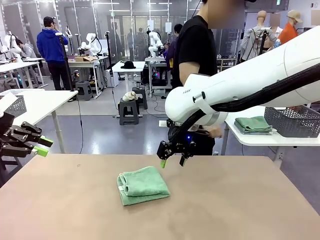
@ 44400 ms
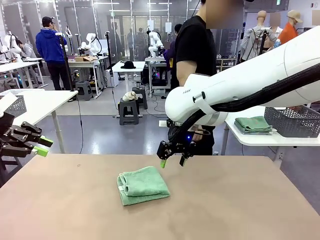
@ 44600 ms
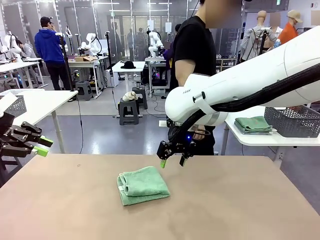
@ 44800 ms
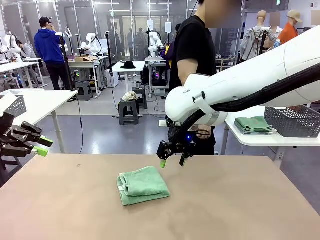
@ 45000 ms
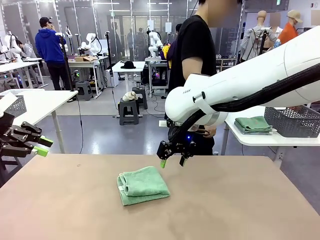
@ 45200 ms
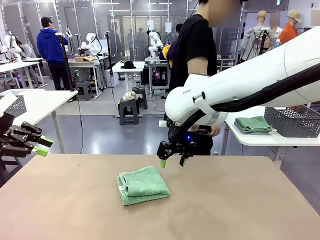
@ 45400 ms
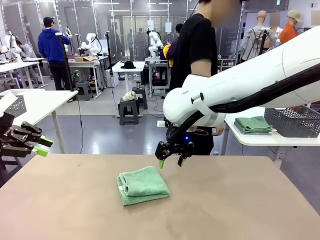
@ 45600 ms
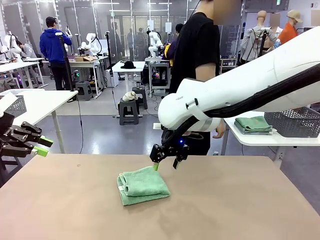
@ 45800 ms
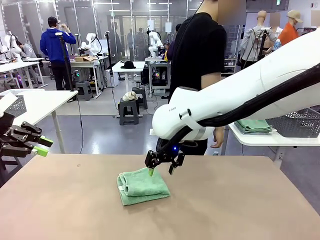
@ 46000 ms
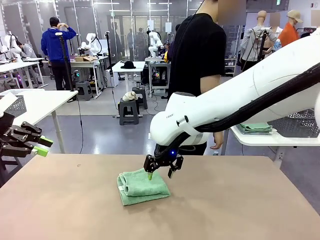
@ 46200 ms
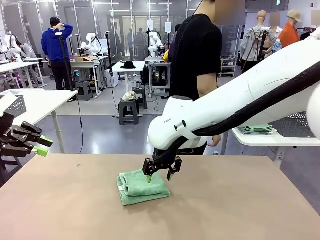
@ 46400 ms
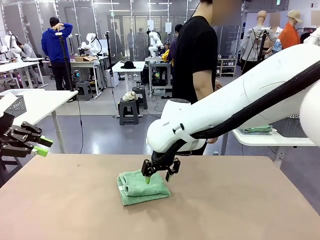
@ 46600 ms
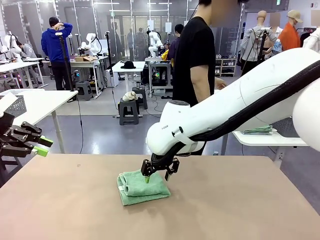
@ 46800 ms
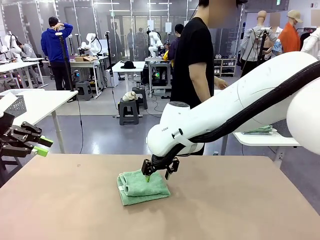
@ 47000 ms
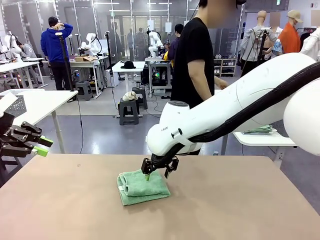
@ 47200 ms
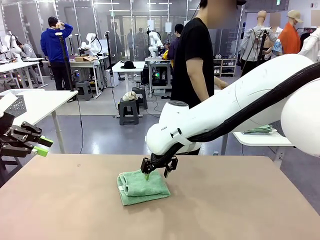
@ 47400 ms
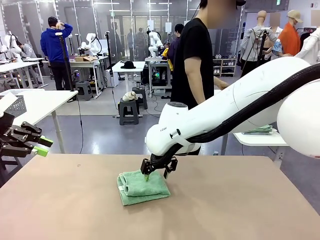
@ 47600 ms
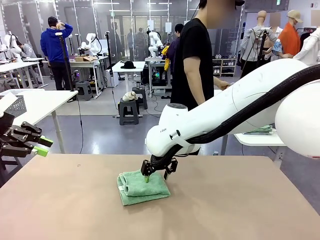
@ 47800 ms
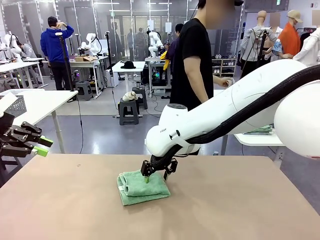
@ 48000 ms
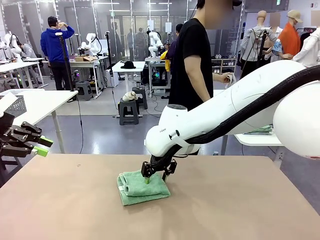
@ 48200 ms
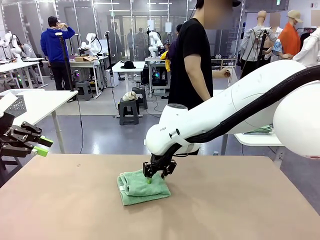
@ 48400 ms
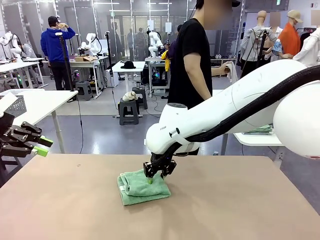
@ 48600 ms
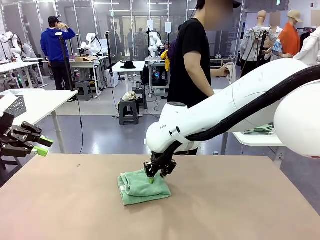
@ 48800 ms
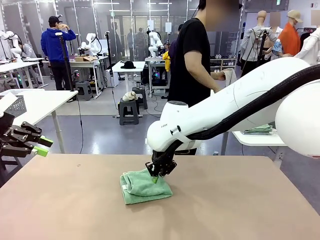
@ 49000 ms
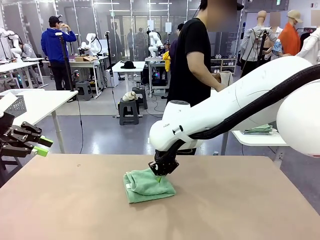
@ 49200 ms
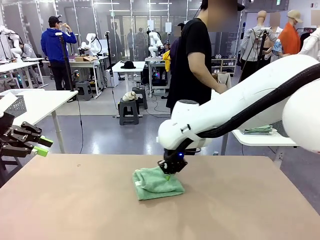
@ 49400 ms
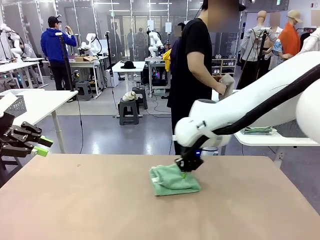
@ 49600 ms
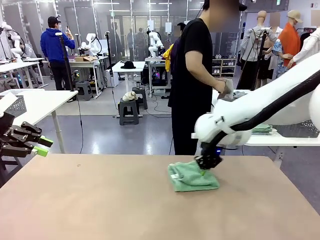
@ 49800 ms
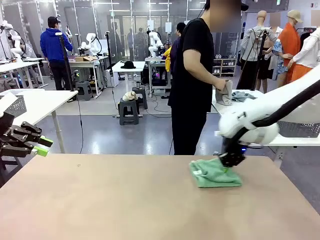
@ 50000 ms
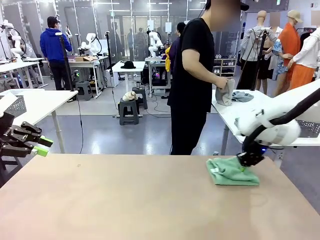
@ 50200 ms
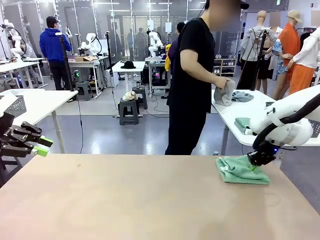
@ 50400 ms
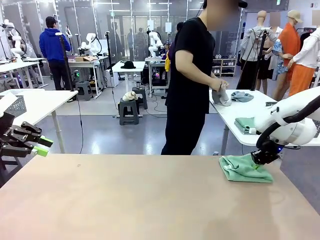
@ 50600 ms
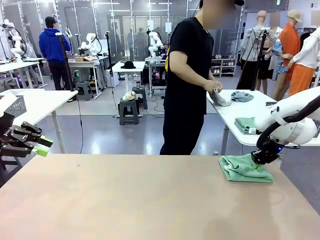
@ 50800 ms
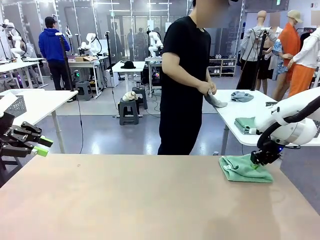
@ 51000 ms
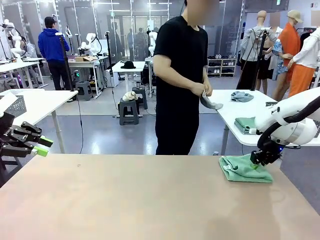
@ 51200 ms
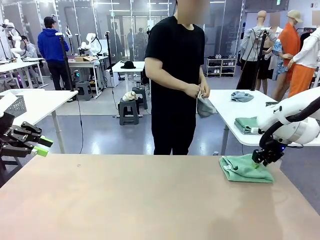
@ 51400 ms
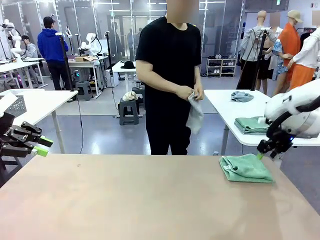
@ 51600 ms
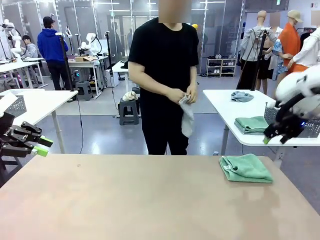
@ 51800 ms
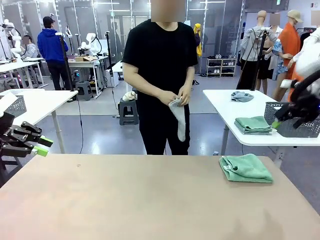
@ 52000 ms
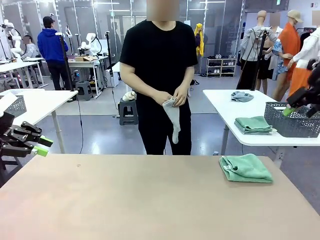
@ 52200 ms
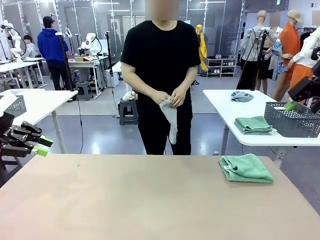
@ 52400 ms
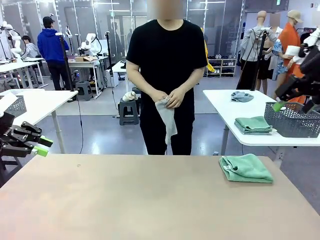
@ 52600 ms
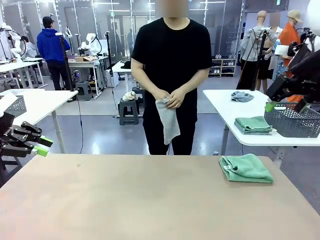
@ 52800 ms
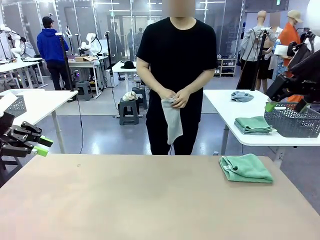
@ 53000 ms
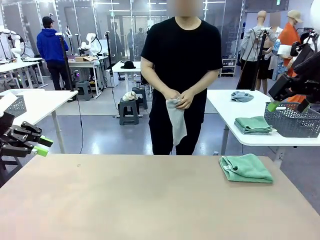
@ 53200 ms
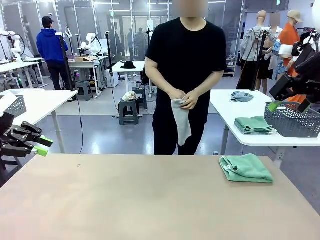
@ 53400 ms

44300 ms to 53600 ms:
Task: Fold the towels and place them in the basket.
Robot: Place the folded Towel with hook on the right side of the table.
Person: Pick up one towel from the left side of the human table and spread it out at the center of the robot table.

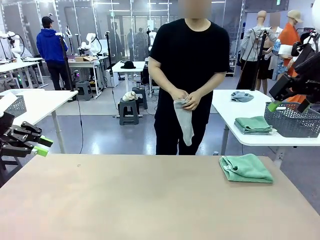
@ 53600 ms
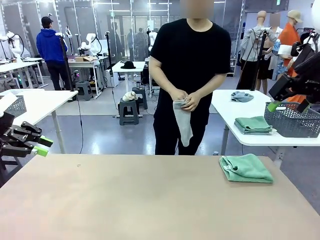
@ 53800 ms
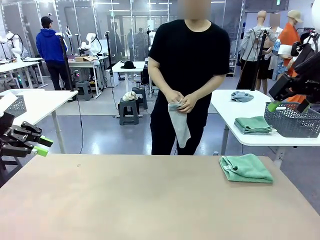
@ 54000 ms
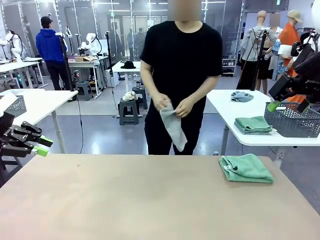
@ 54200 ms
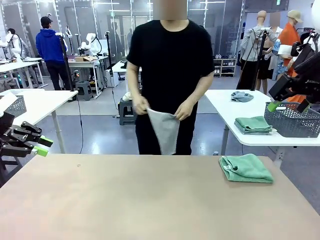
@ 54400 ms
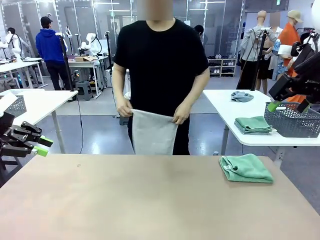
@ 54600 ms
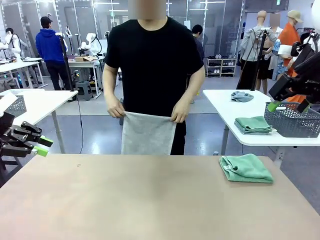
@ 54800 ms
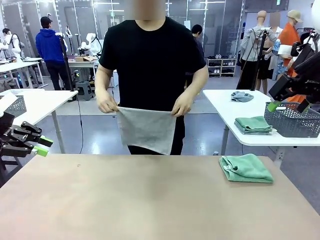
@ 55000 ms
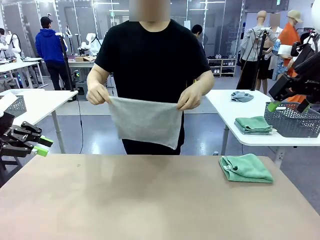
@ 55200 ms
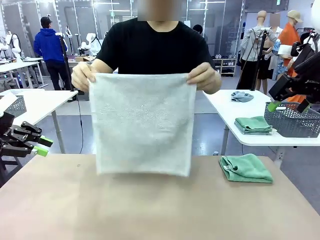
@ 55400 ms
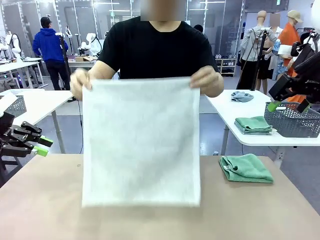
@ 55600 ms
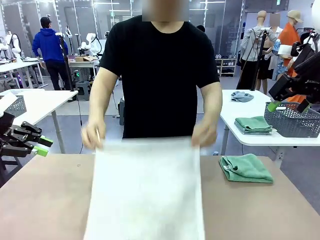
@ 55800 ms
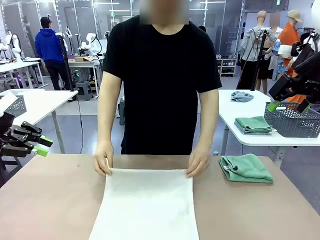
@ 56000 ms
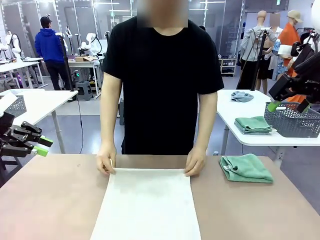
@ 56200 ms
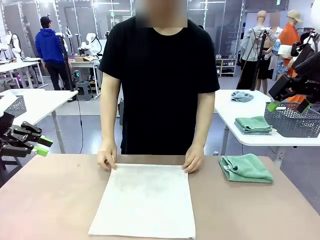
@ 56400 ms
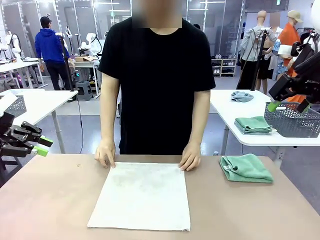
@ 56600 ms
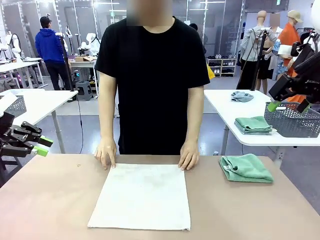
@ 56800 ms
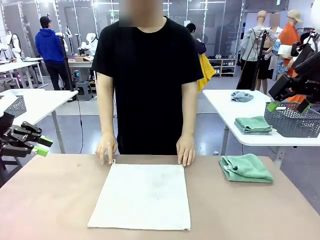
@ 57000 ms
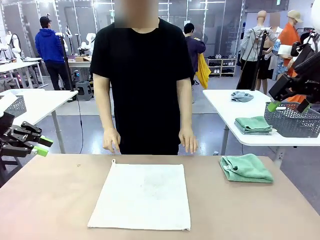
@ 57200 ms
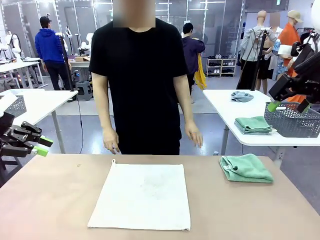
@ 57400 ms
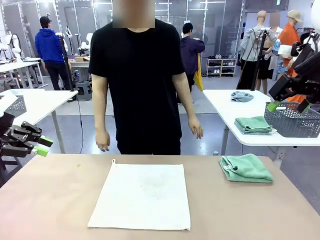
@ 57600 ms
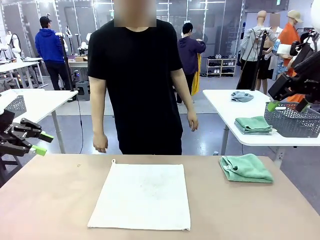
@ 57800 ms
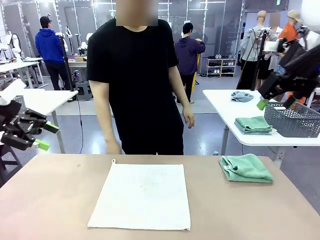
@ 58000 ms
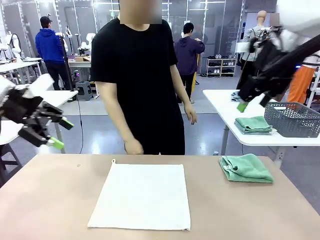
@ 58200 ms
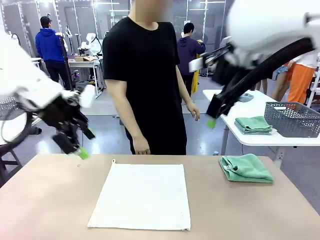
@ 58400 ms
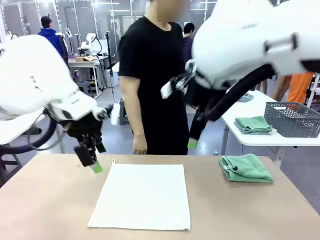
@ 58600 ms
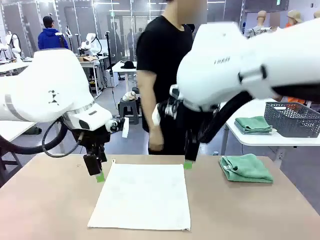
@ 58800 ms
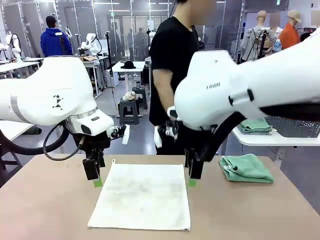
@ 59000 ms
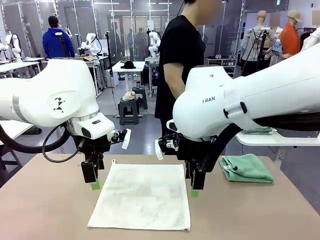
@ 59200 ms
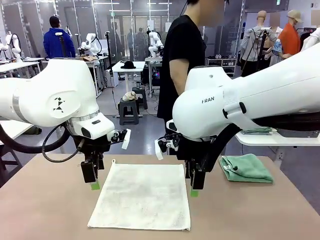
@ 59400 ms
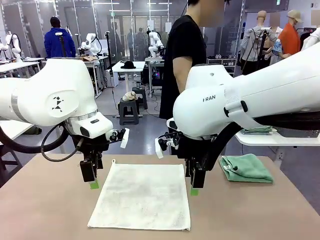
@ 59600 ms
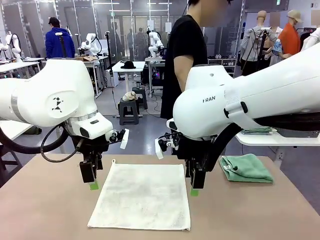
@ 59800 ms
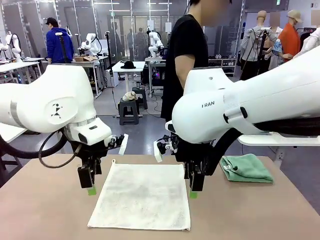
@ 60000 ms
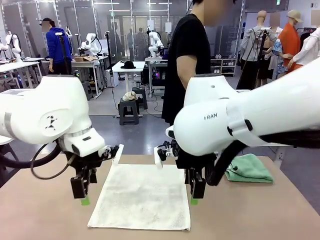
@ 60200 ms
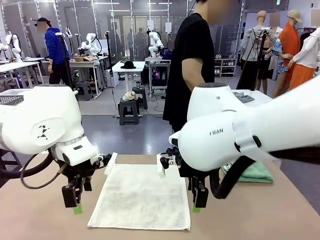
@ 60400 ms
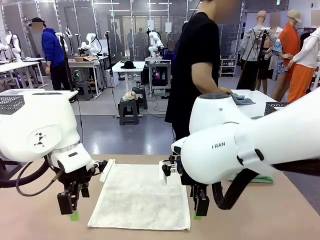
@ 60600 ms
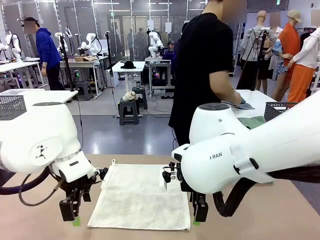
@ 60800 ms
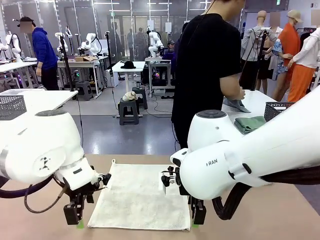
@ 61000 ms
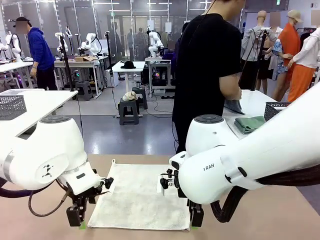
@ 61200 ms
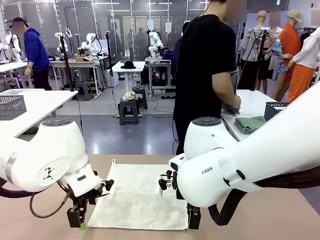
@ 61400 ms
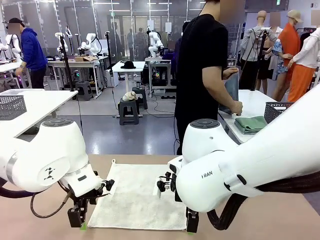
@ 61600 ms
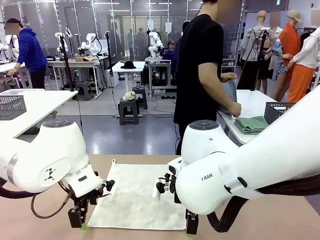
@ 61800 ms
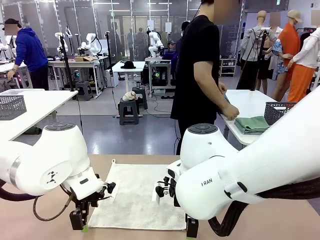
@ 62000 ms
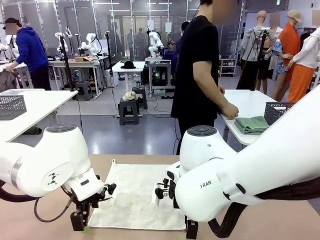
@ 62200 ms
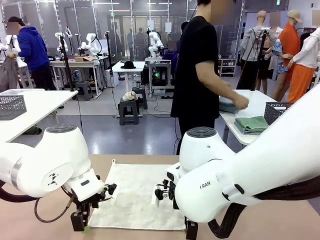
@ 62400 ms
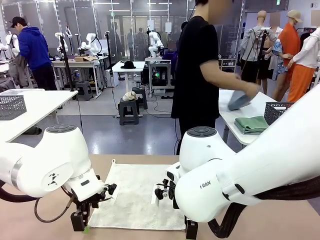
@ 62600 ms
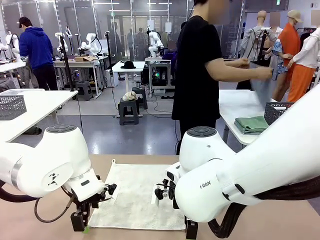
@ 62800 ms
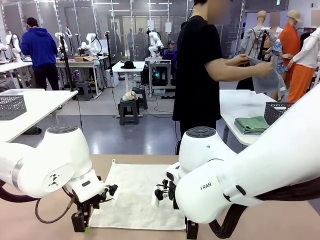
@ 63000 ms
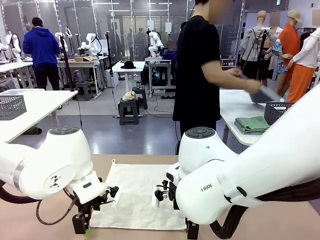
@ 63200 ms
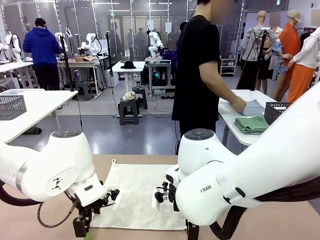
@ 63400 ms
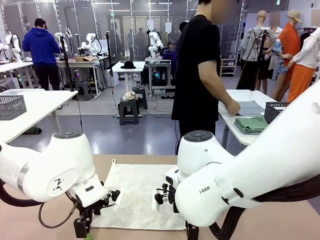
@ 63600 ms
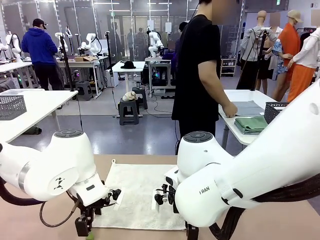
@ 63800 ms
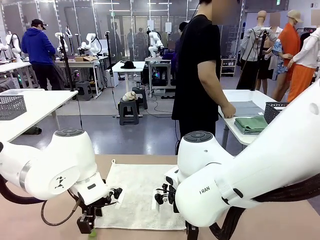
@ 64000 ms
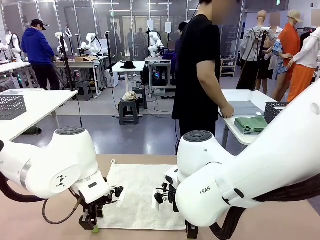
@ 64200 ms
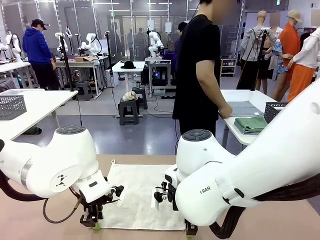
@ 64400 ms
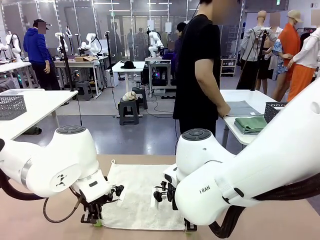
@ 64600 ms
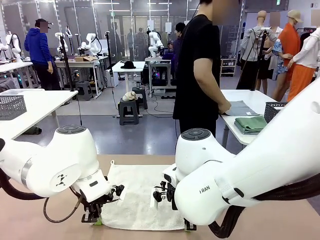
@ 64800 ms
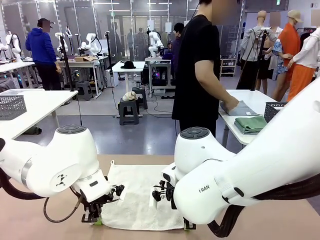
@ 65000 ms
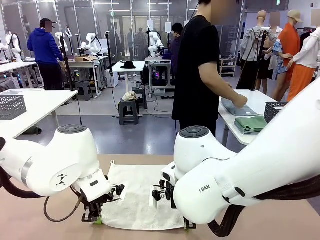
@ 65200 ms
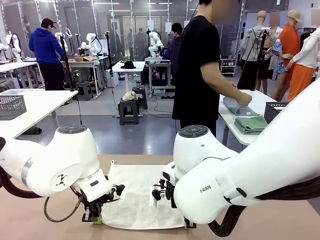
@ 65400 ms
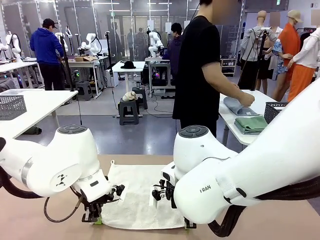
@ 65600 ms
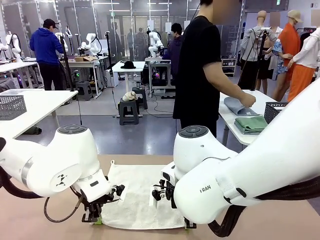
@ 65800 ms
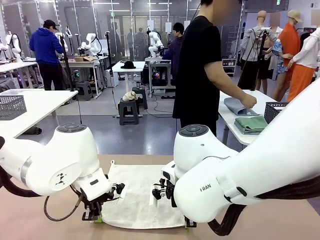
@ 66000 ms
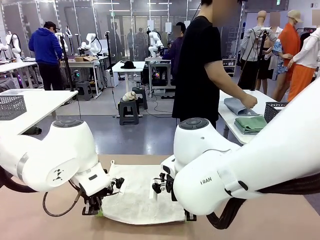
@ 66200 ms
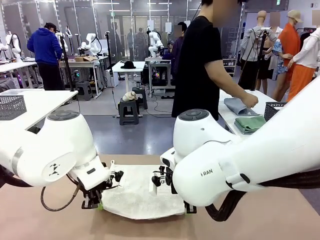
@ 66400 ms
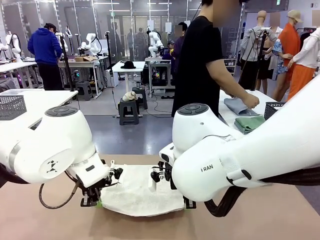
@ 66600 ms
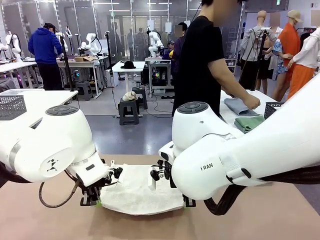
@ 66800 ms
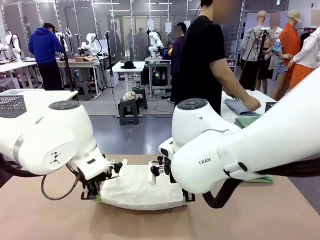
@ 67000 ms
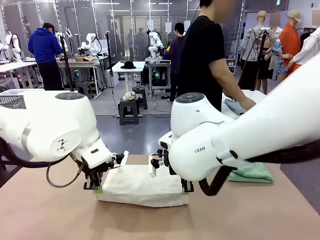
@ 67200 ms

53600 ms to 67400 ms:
Robot: When a person lays out a Towel with hook on the table, fold it in half twice.
Person: Pick up one towel from the left side of the human table, fold it in half twice, and stack it on the right side of the table.
